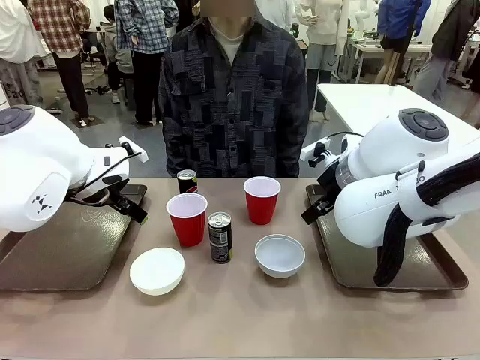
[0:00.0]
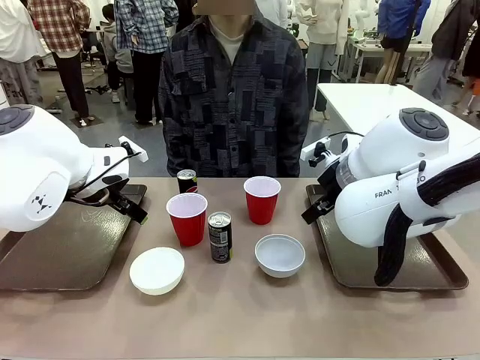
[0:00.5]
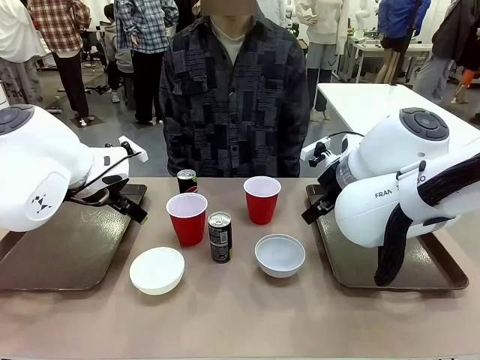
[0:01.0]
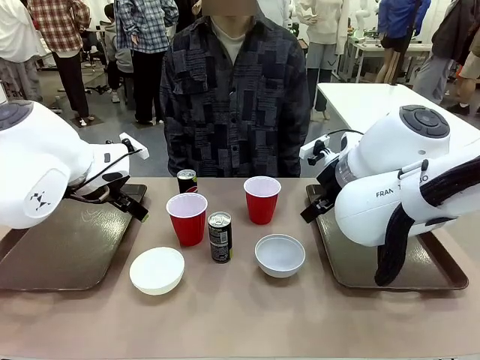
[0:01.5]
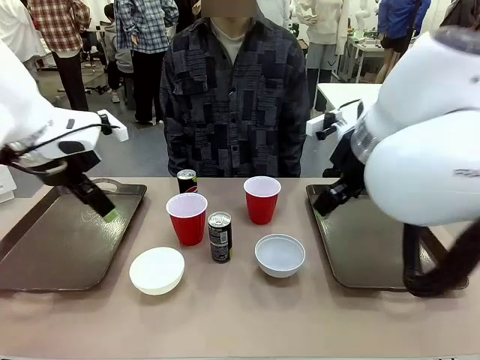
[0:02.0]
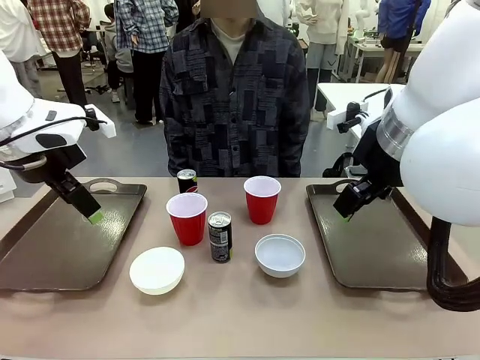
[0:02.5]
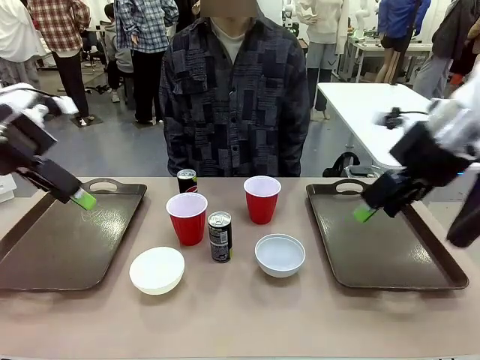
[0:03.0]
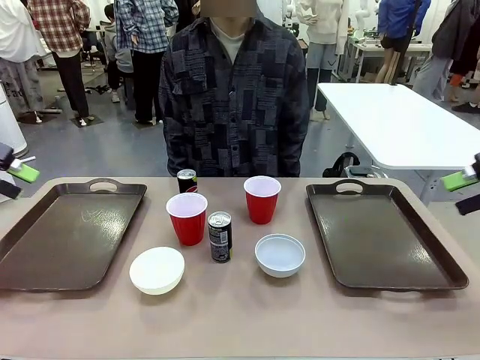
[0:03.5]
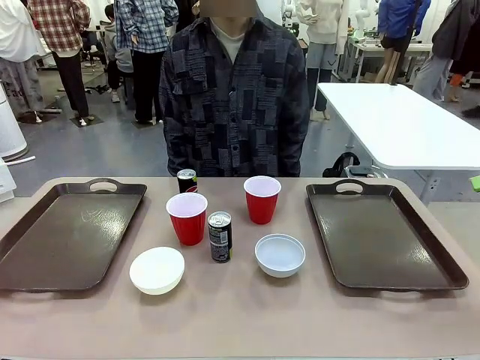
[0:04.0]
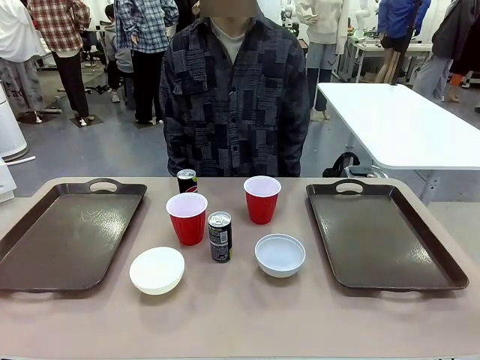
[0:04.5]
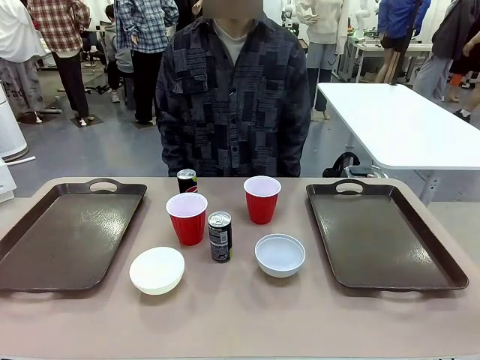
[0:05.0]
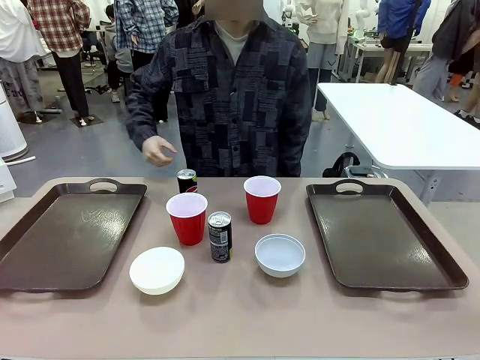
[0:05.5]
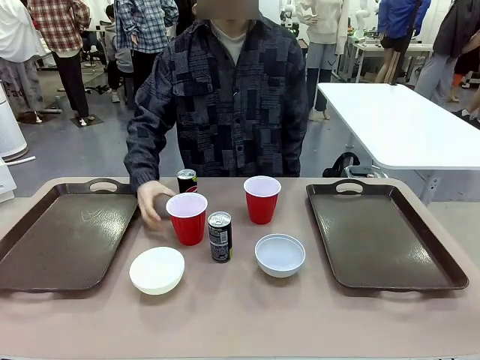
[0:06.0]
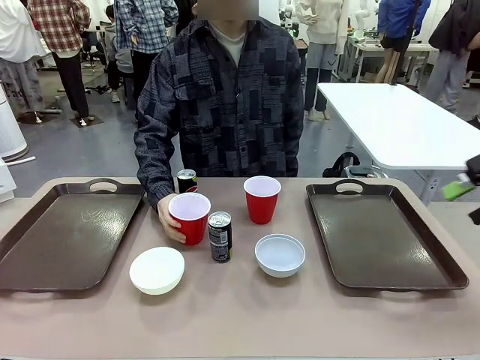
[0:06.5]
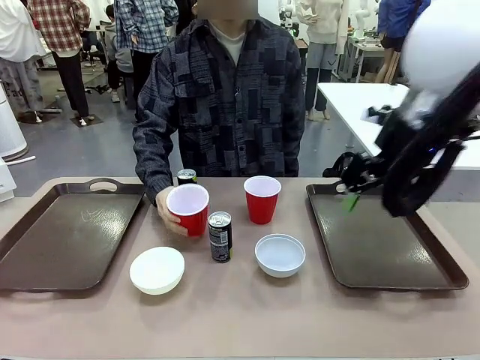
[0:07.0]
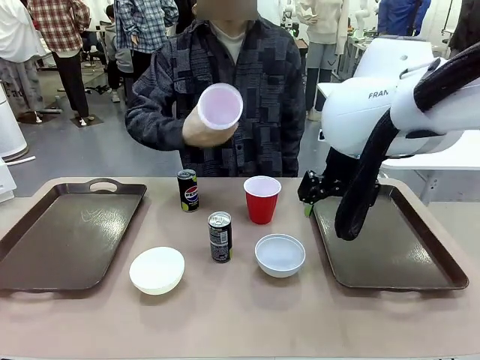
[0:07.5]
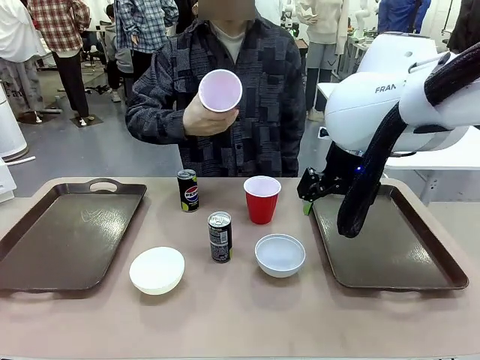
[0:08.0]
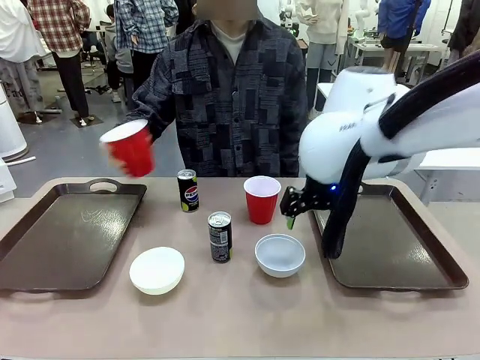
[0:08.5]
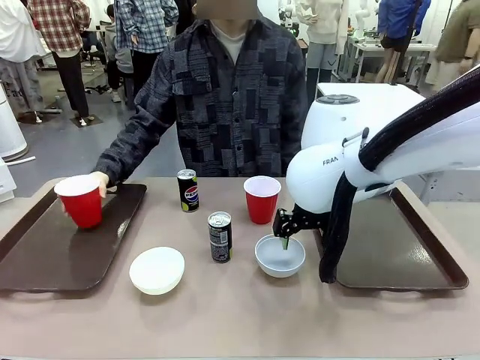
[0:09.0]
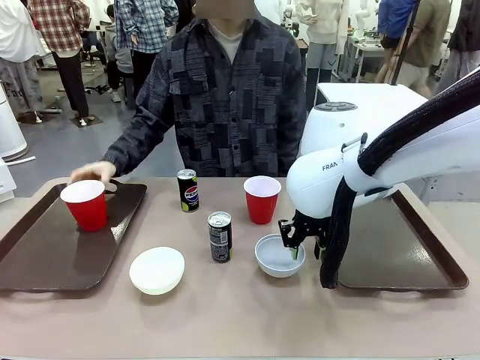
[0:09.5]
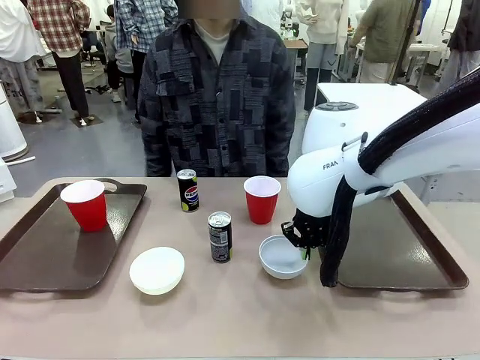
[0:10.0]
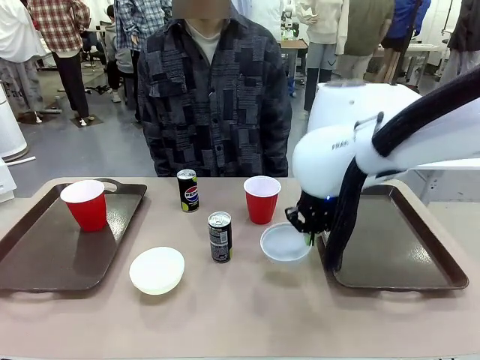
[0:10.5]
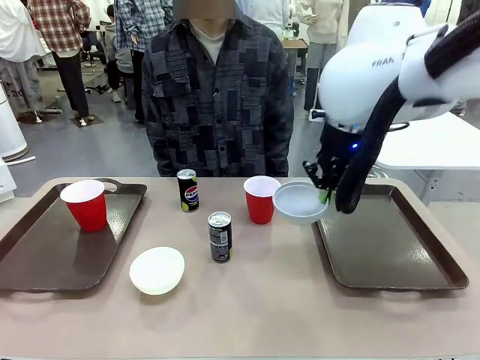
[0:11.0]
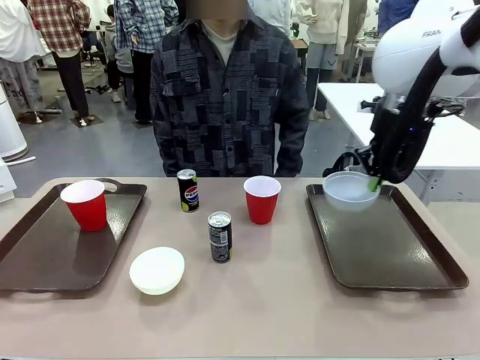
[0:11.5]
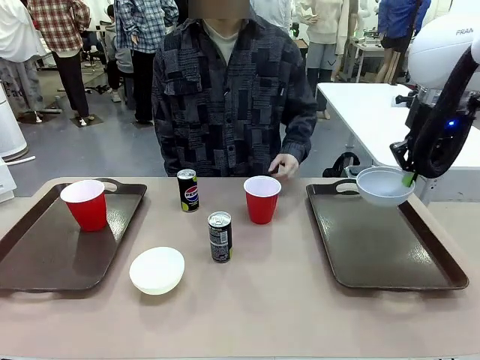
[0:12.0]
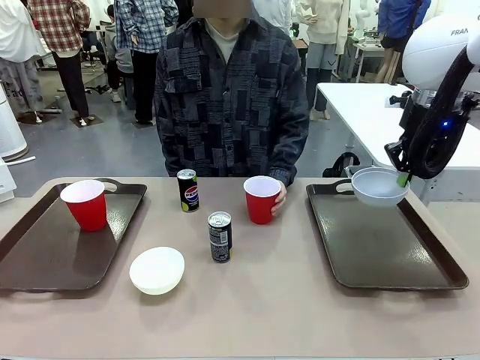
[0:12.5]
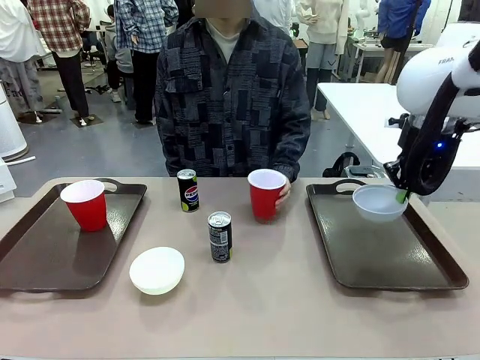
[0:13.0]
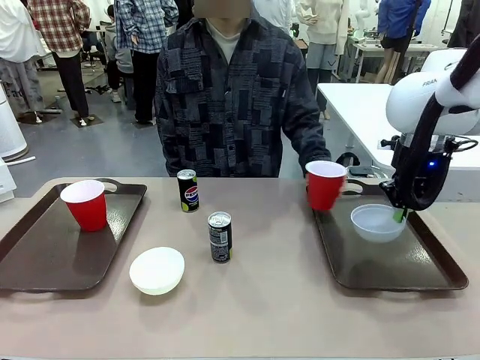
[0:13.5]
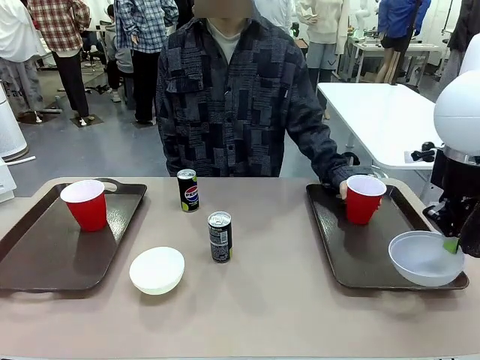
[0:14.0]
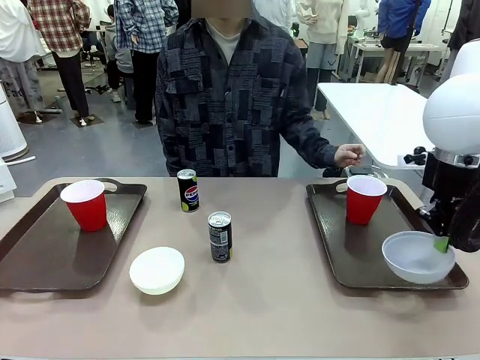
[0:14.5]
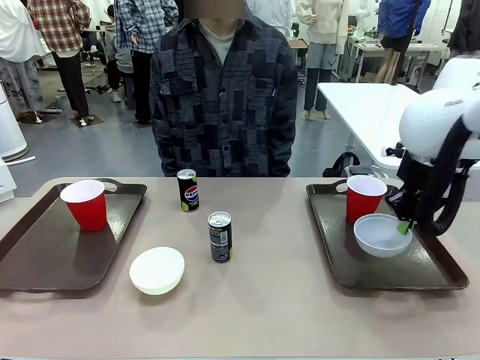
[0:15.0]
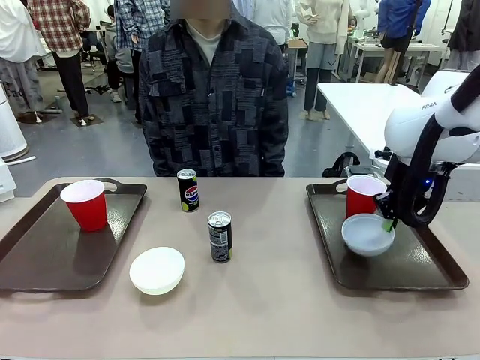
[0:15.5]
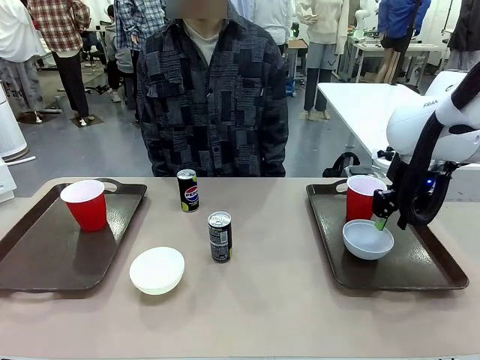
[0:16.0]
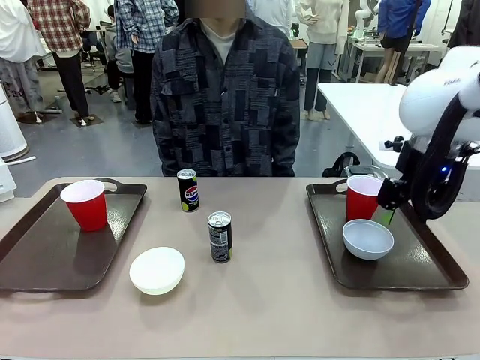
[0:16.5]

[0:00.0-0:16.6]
Task: Prepare tableware on both trays.
Robot: Pick up a Picnic Bowl from the table and place it on a Handle tray.
Person: Pick up a can or cup and place it on the tray.

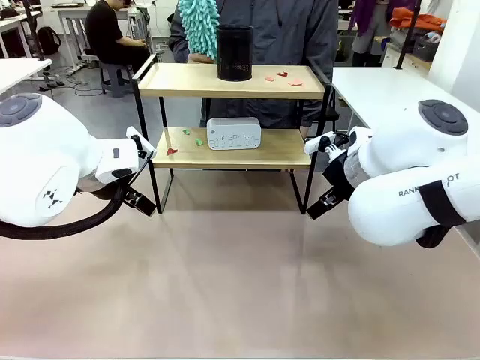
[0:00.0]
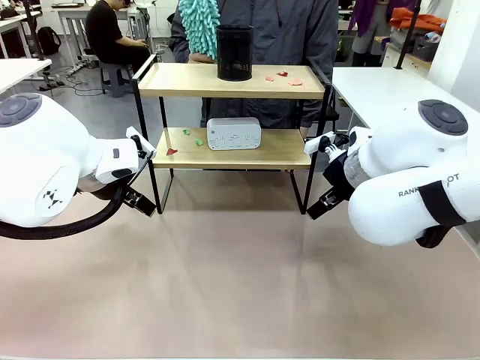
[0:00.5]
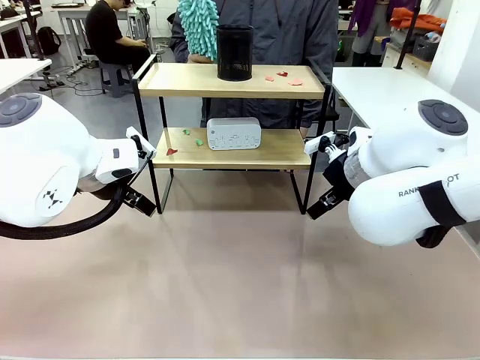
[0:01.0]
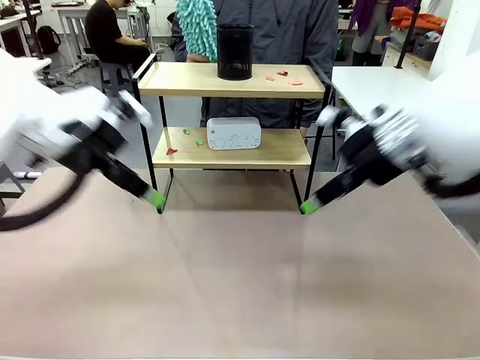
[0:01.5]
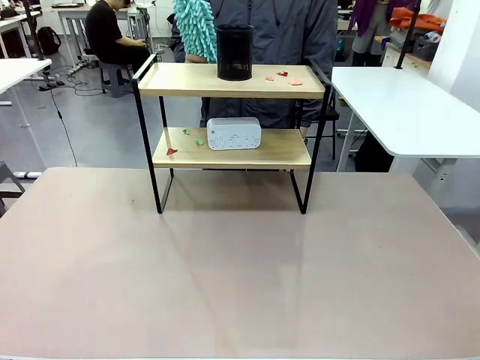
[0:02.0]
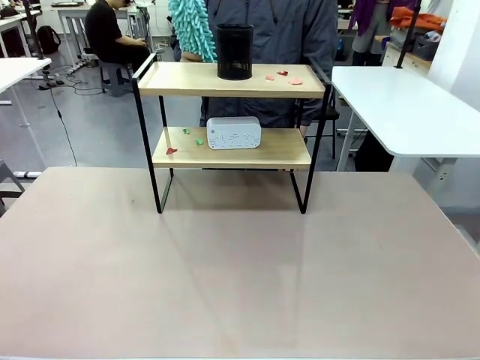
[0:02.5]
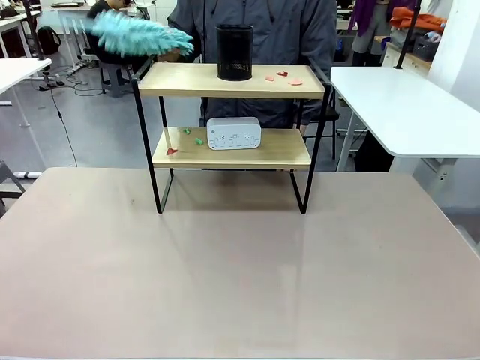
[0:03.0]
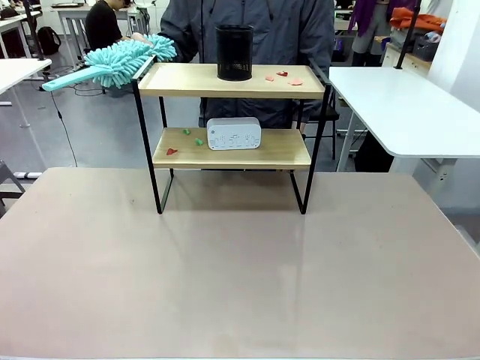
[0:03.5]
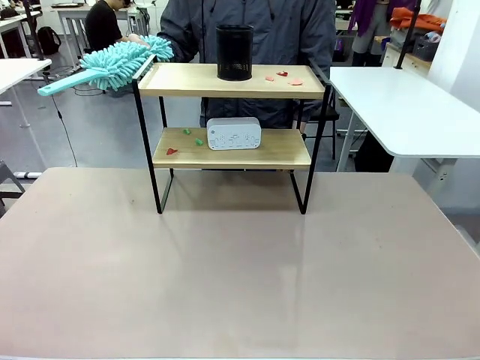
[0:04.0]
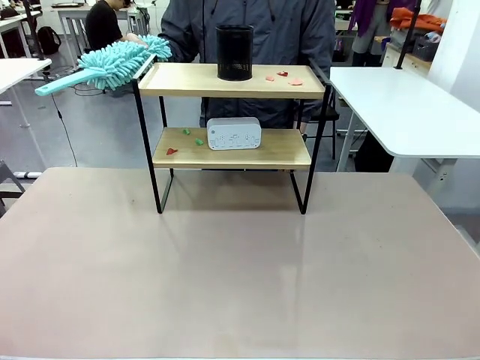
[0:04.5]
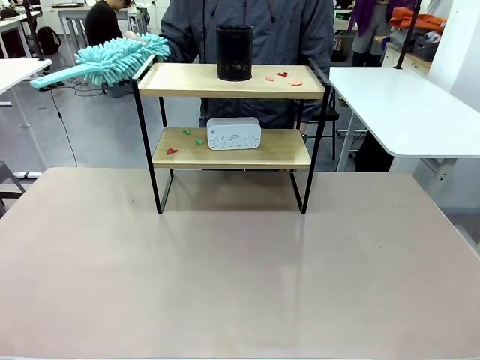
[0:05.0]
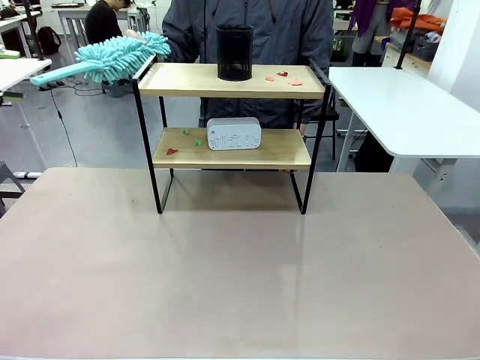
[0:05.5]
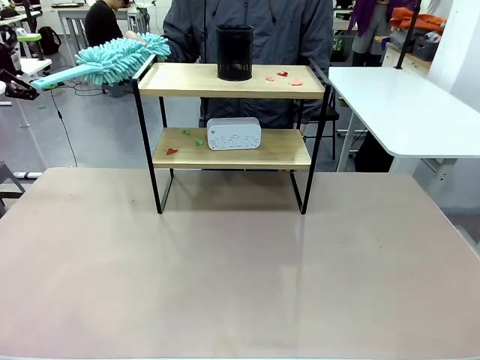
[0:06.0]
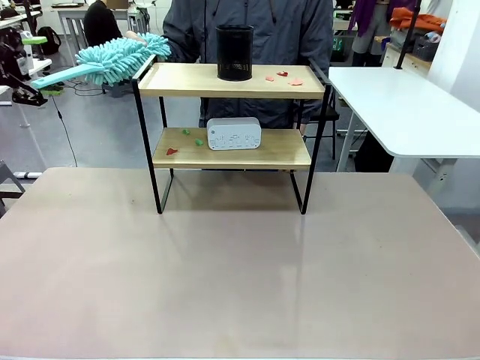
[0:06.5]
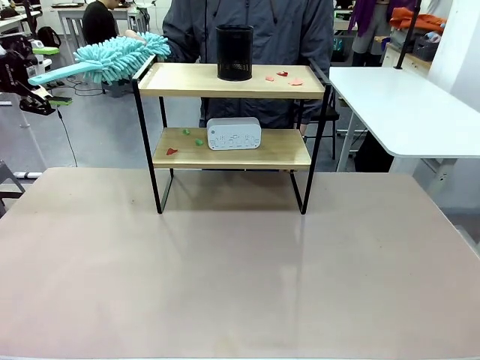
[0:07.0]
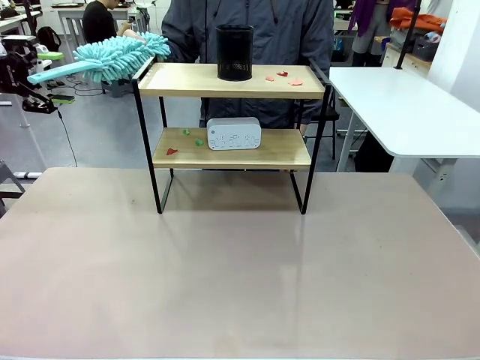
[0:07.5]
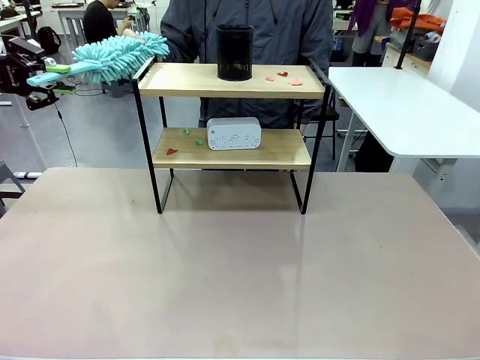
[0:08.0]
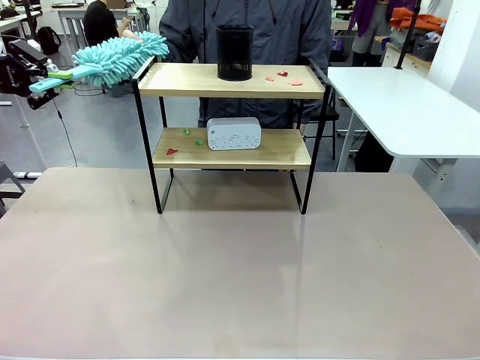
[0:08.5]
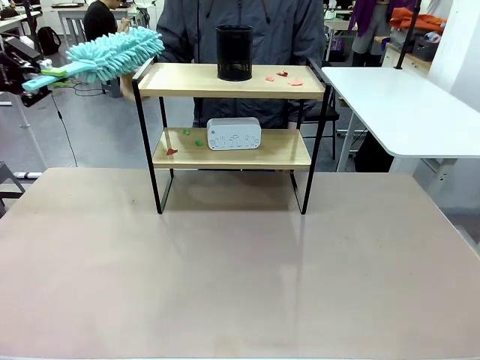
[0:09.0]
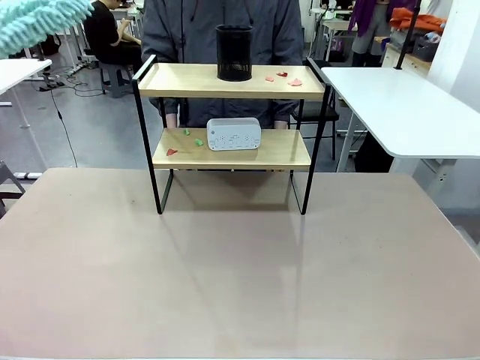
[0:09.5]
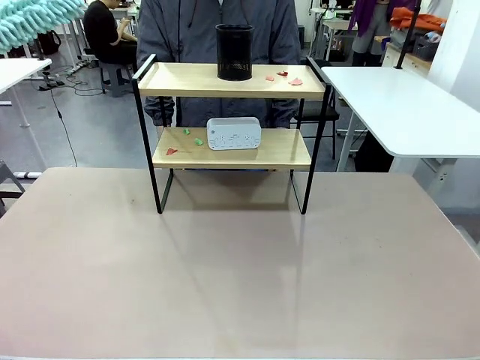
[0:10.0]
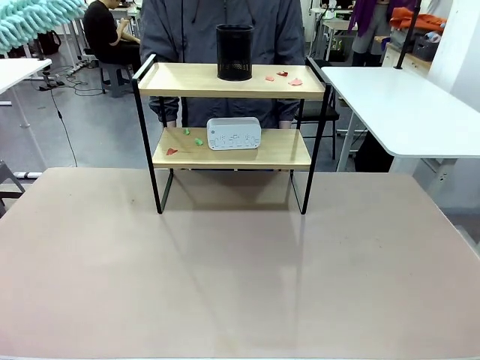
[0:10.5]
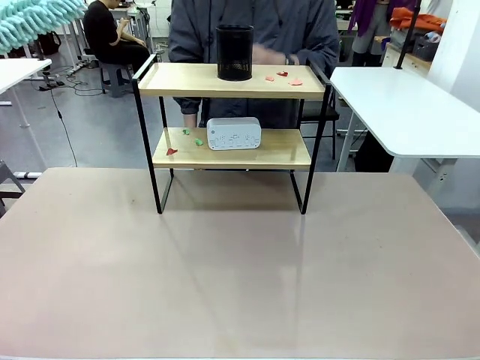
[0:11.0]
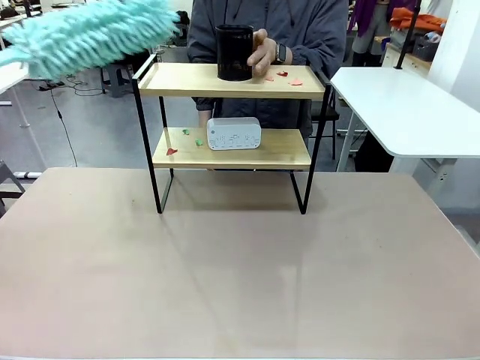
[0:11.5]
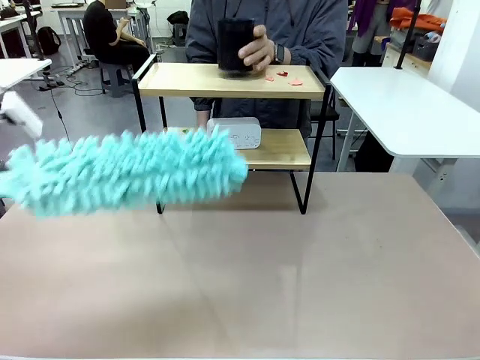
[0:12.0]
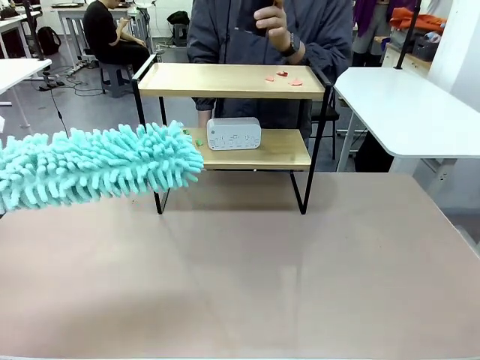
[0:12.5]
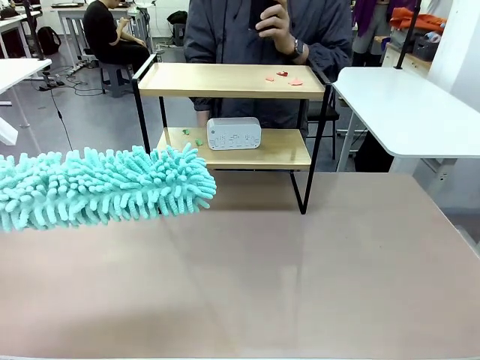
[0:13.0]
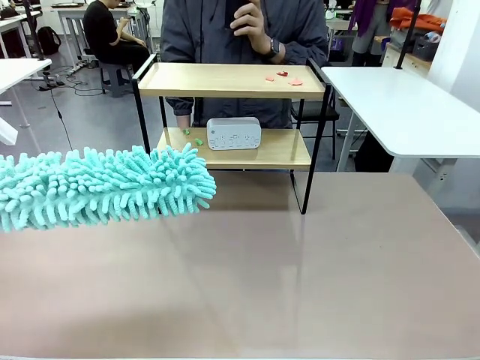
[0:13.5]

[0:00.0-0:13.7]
Task: Clean the shelf.
Robot: Pick up the Duster from the human.
Person: Hand the Duster to the robot. Lift the objects on a randomly selected tier of the Shelf.
